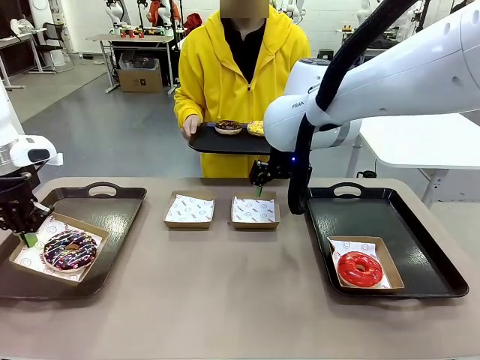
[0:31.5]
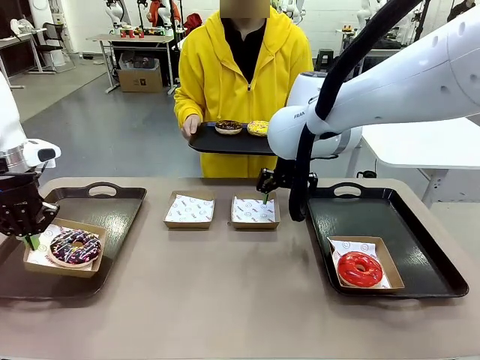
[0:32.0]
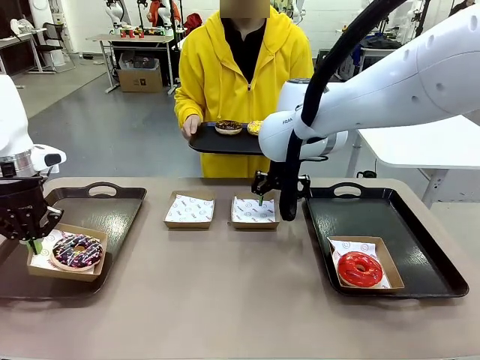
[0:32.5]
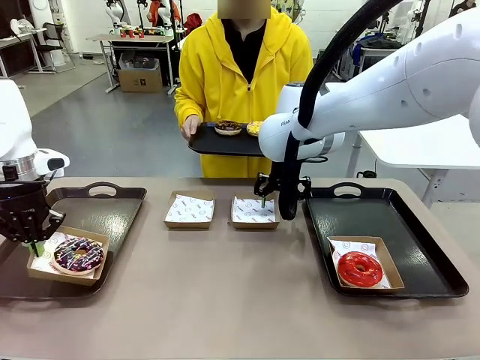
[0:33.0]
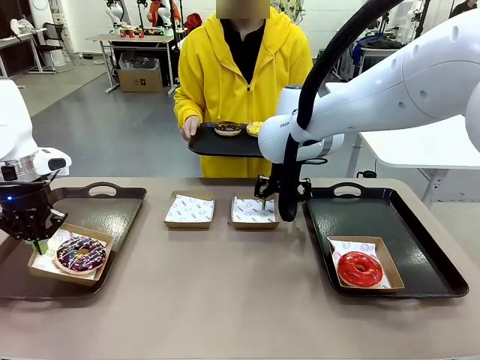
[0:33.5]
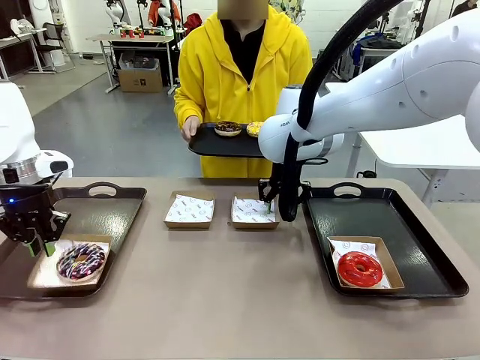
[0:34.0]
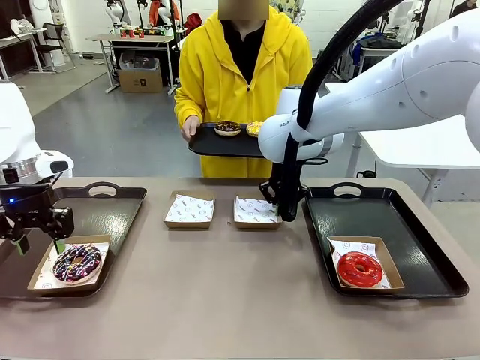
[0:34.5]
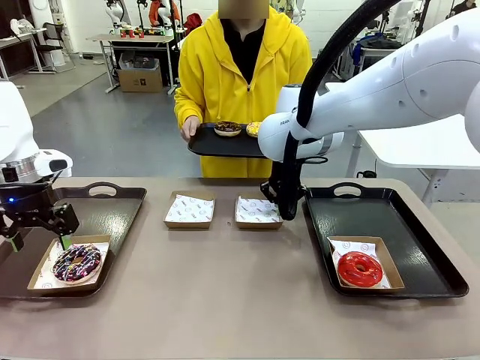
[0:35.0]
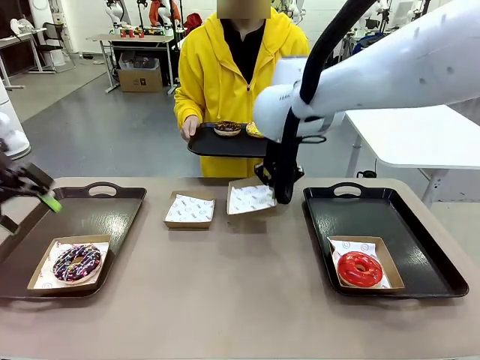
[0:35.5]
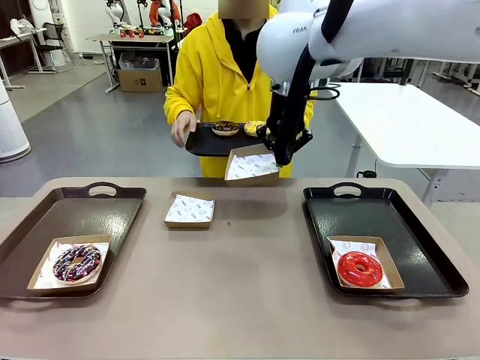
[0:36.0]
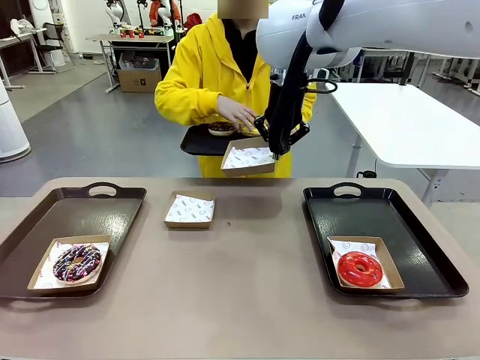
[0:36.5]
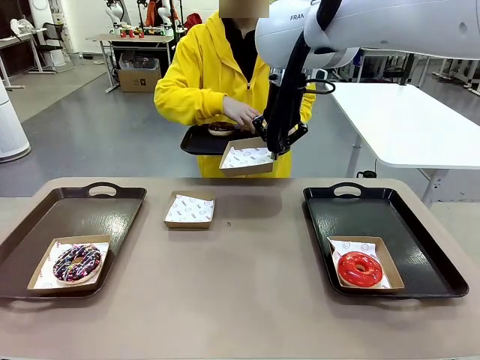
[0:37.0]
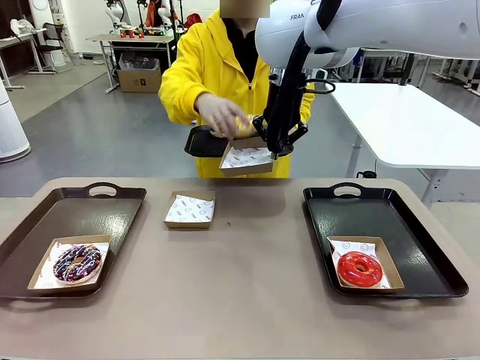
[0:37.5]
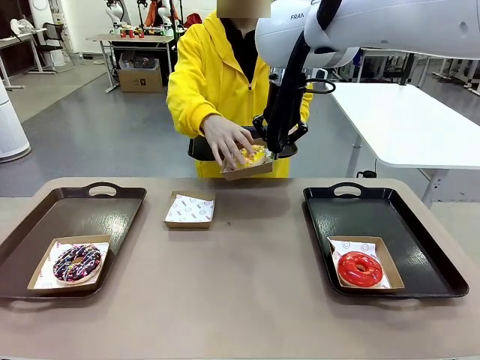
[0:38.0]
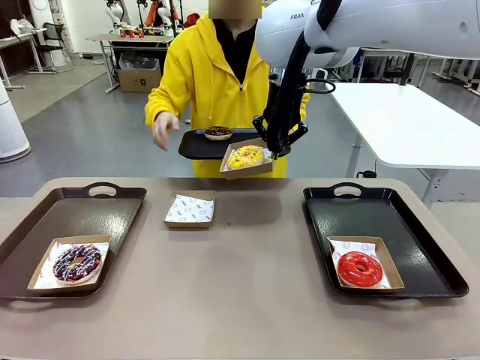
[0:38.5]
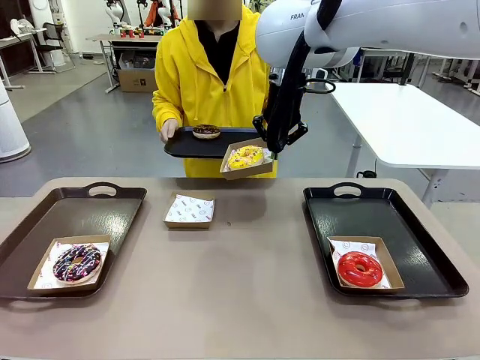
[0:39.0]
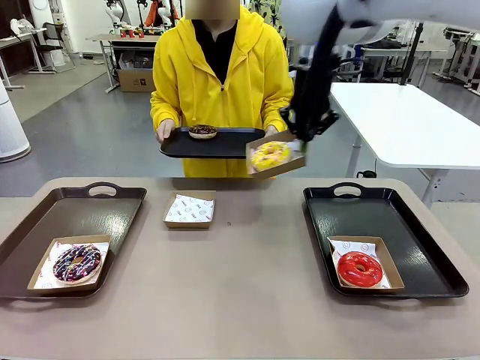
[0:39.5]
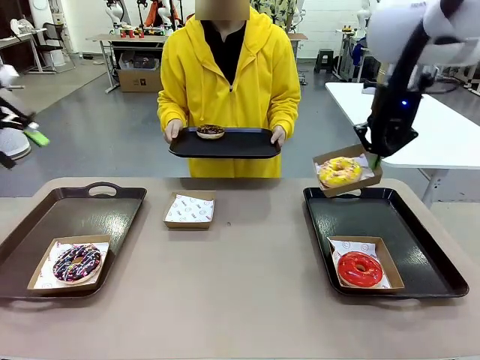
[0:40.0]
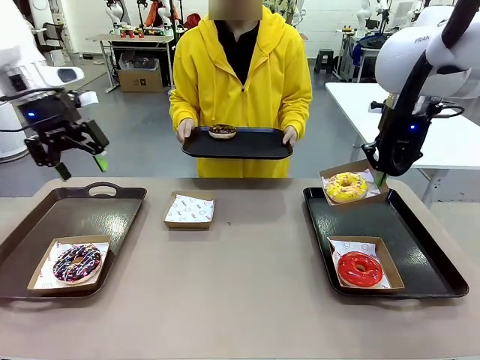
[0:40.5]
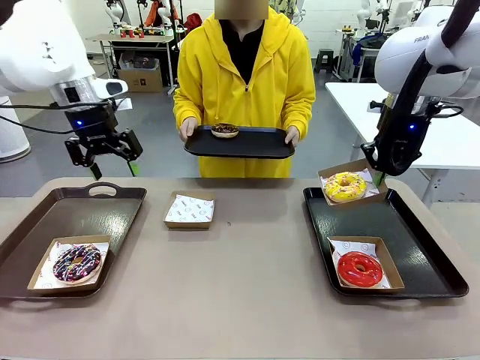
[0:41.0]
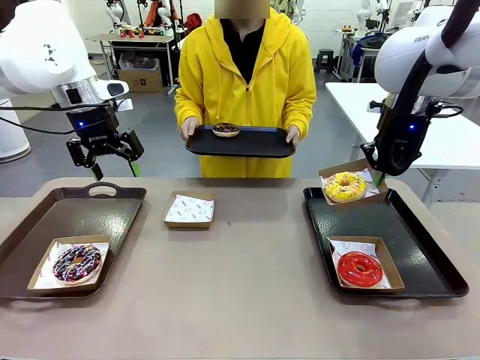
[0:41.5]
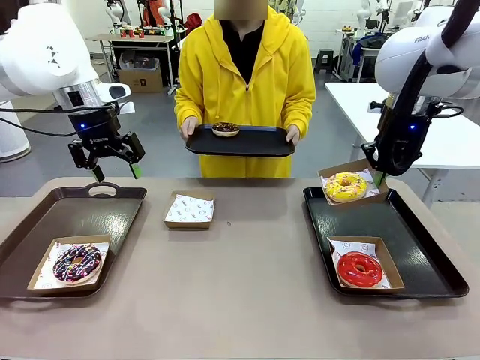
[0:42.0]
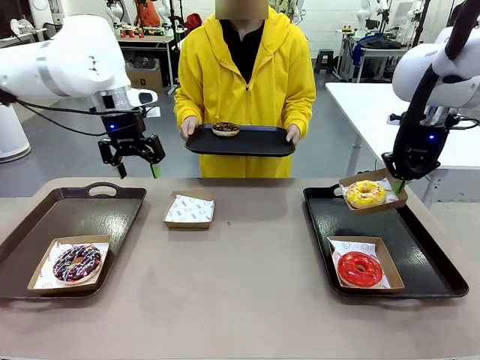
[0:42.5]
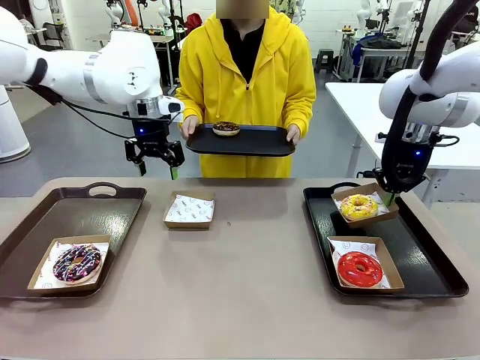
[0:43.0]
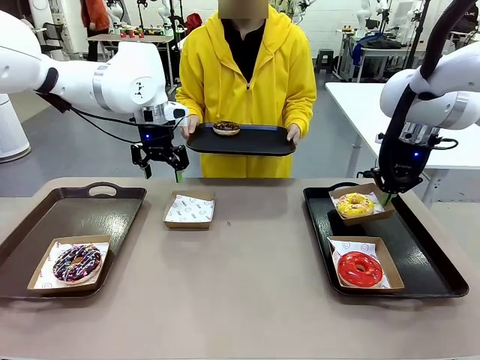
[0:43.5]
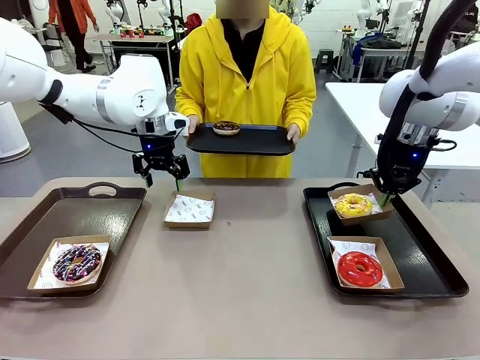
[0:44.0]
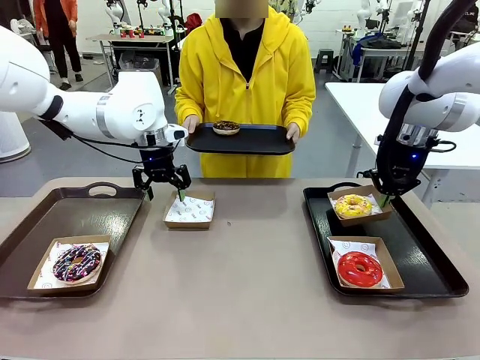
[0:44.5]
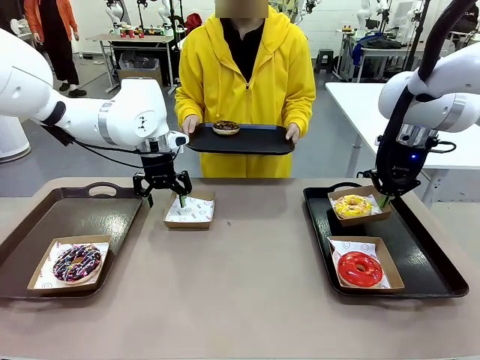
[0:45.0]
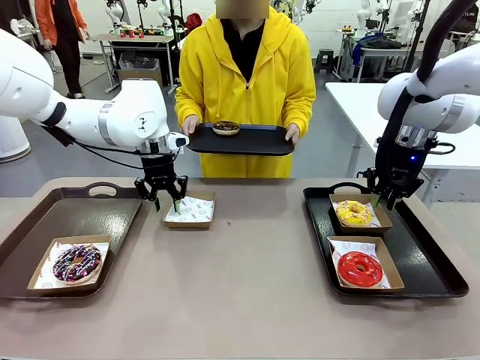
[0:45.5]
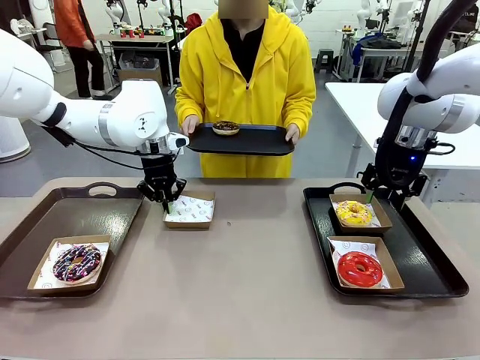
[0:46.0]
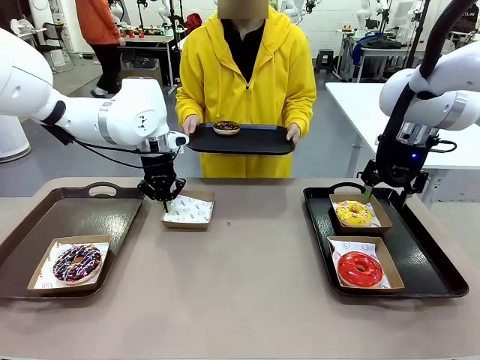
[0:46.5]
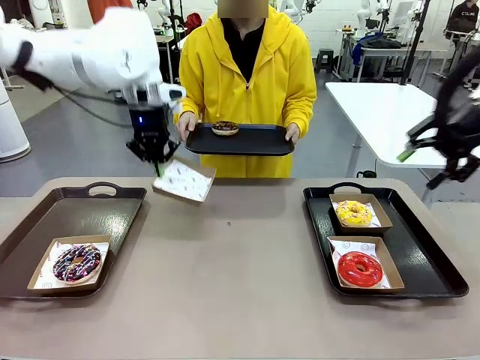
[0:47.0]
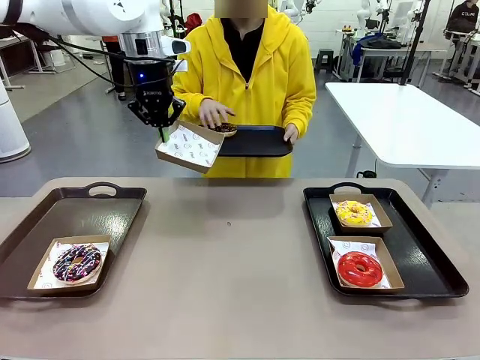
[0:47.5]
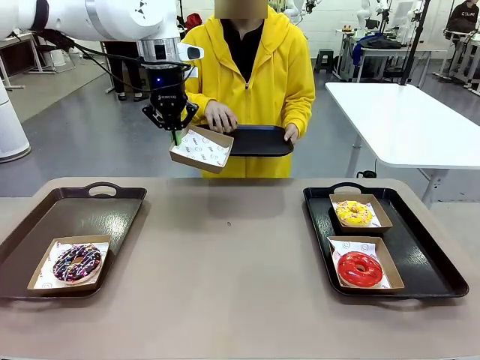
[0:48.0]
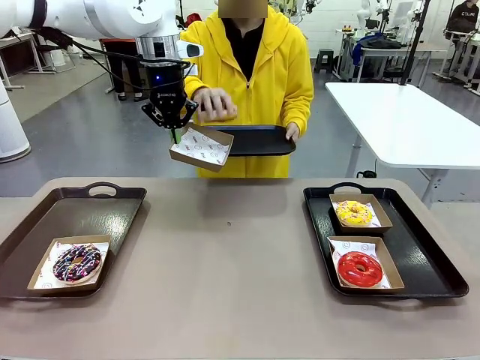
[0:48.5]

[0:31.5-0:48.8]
Task: Individually package the donuts and arrange them on the tray.
Robot: Place the picked Paper togo box on the Handle tray while simultaneously picking up another Paper togo box from the table with the other hand.

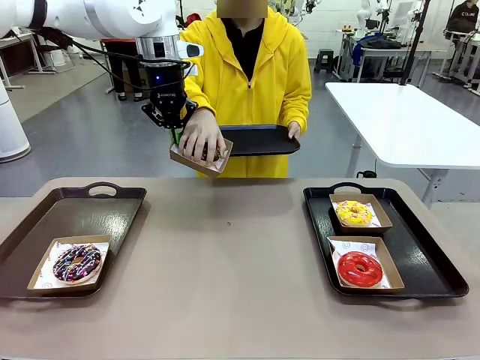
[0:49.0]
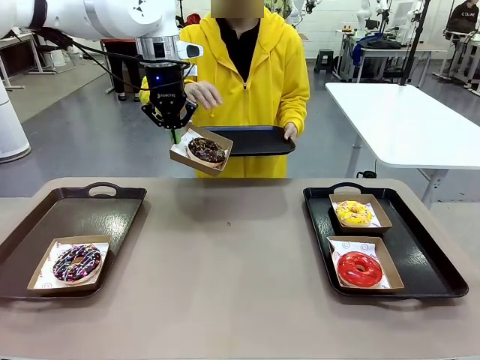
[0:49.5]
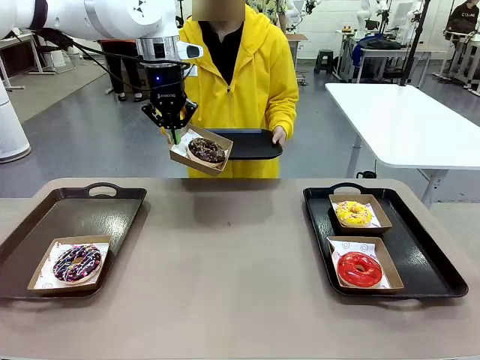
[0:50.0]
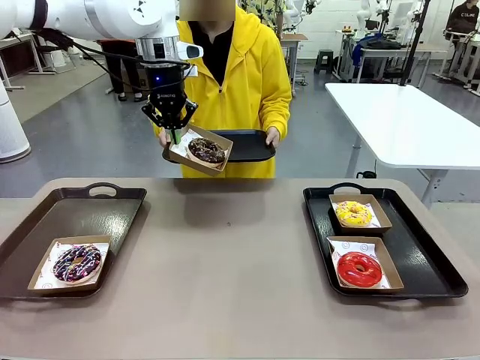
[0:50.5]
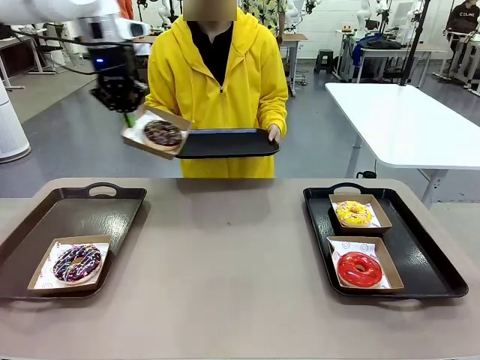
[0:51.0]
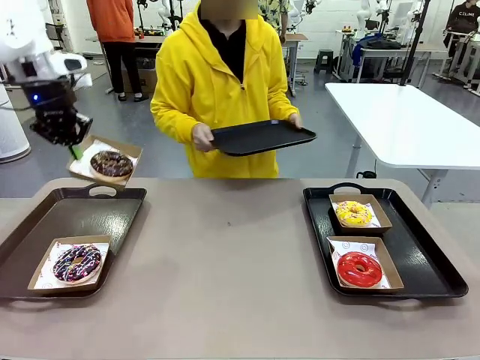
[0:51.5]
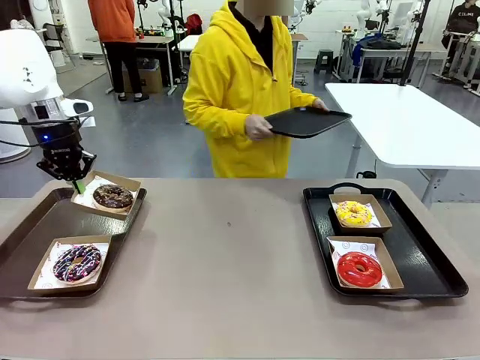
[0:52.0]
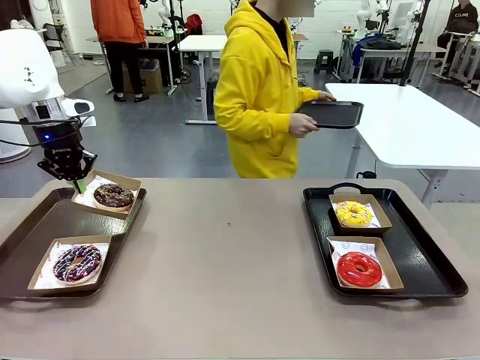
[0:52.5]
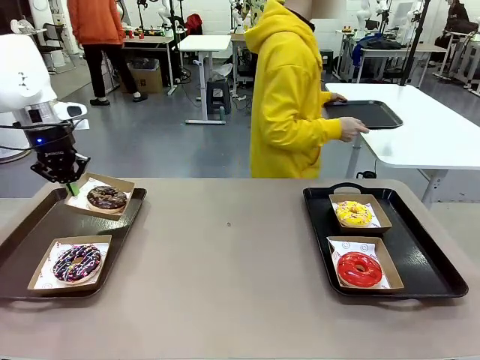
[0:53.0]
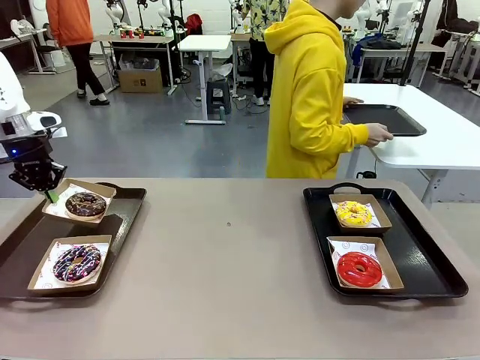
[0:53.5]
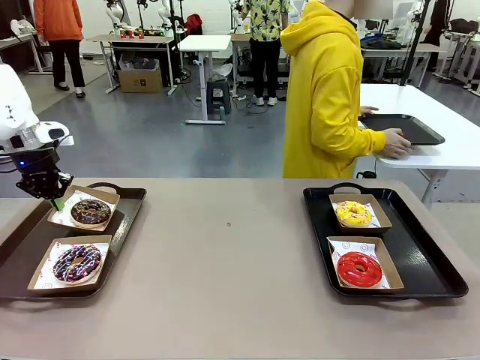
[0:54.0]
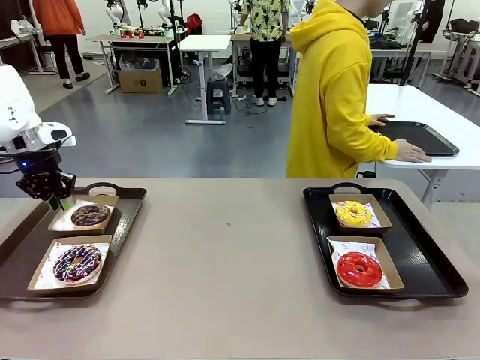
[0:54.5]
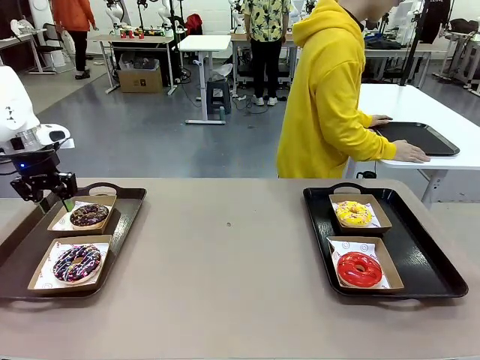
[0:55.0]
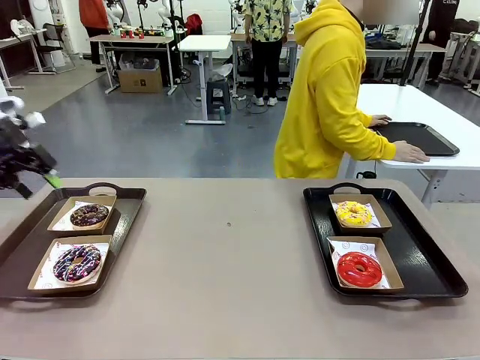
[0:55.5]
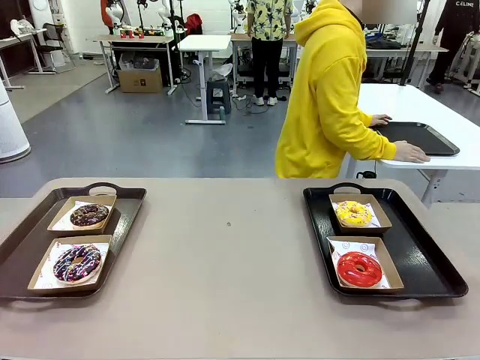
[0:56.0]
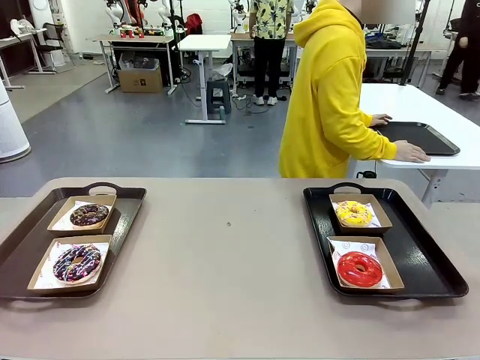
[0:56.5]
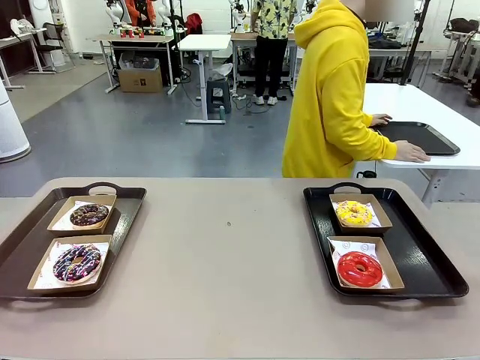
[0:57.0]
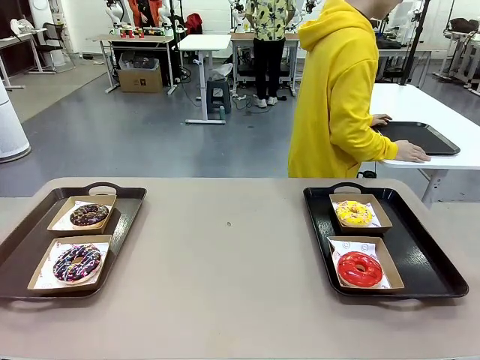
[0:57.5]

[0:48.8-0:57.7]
Robot: Place the picked Paper togo box on the Handle tray.
Person: Place the tray down in the middle of the human table.
